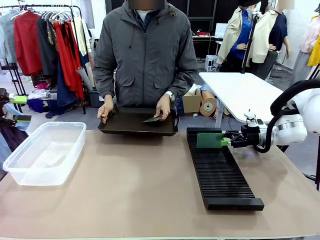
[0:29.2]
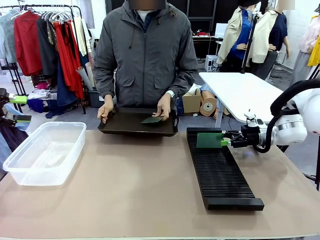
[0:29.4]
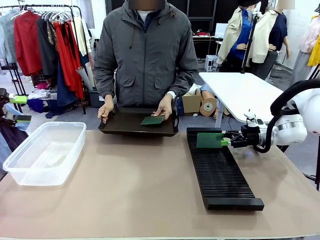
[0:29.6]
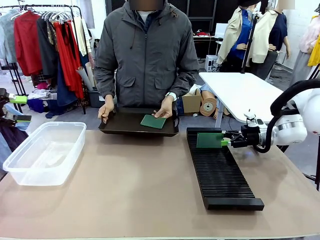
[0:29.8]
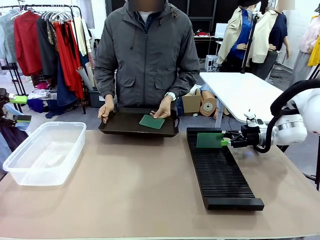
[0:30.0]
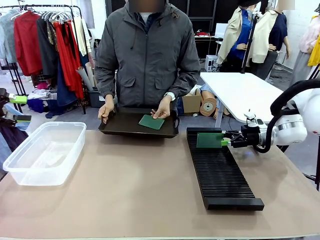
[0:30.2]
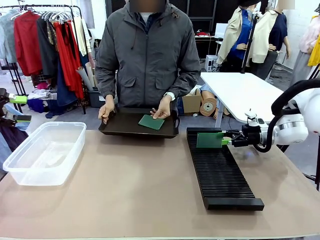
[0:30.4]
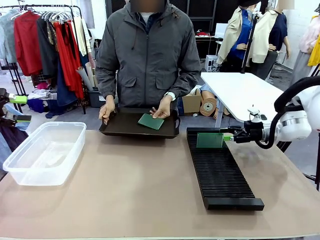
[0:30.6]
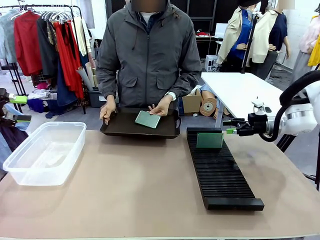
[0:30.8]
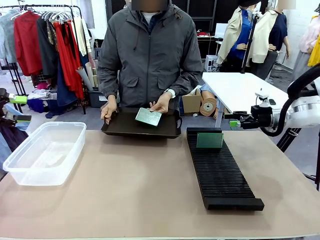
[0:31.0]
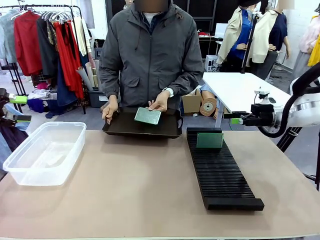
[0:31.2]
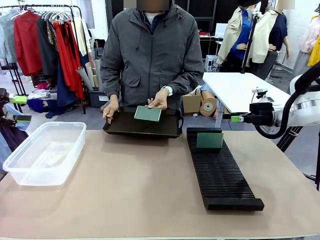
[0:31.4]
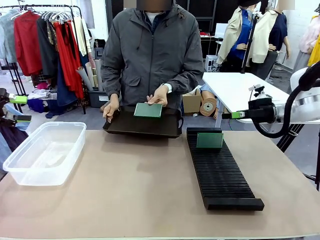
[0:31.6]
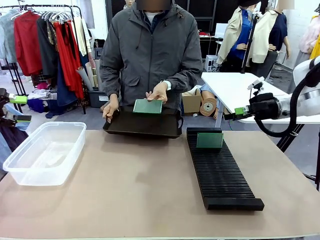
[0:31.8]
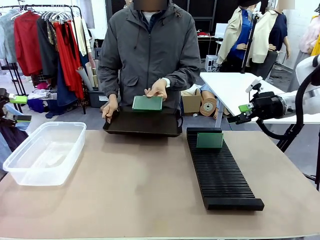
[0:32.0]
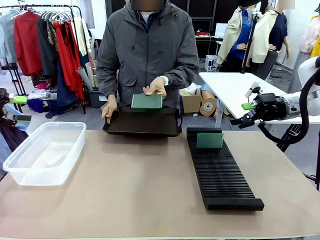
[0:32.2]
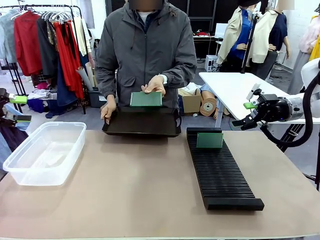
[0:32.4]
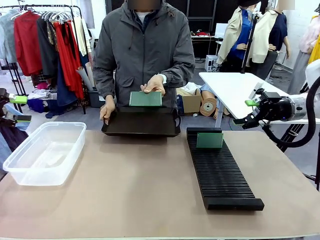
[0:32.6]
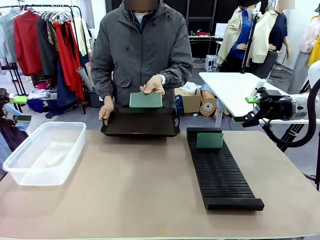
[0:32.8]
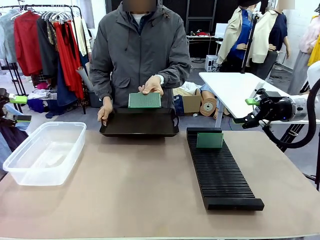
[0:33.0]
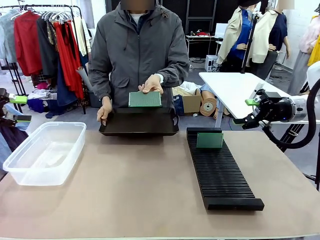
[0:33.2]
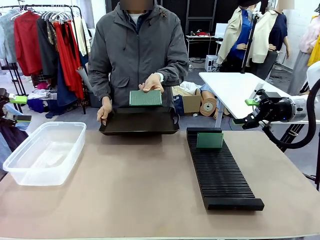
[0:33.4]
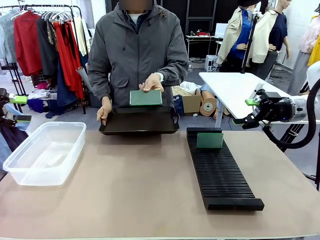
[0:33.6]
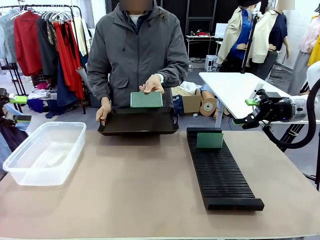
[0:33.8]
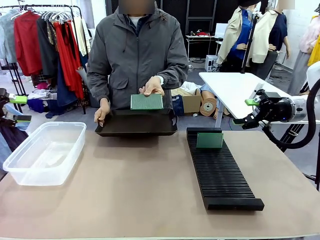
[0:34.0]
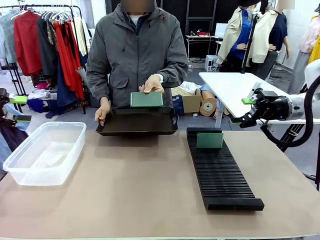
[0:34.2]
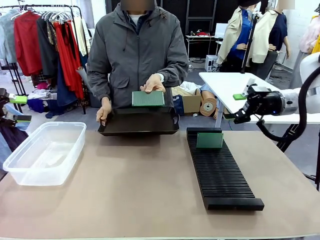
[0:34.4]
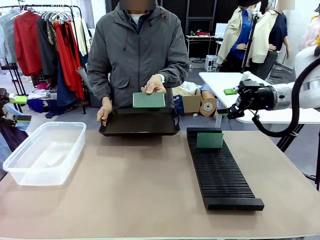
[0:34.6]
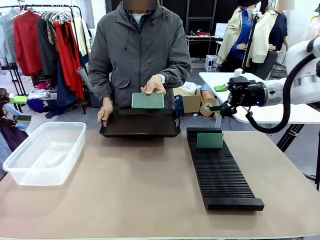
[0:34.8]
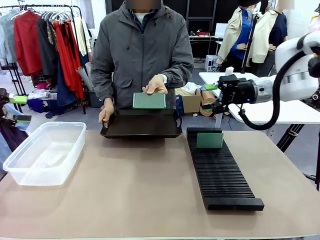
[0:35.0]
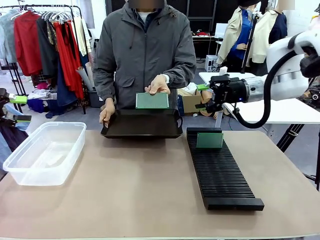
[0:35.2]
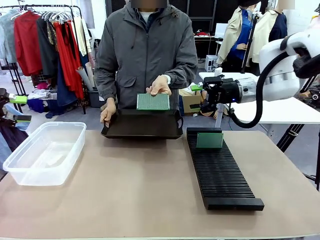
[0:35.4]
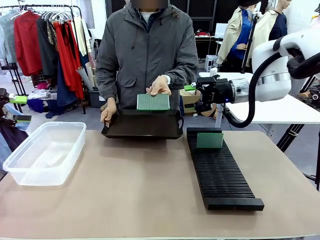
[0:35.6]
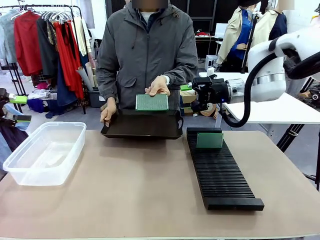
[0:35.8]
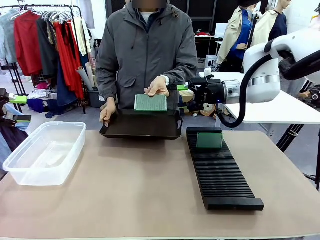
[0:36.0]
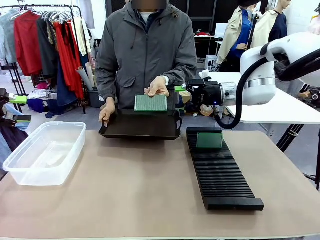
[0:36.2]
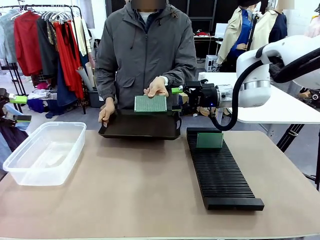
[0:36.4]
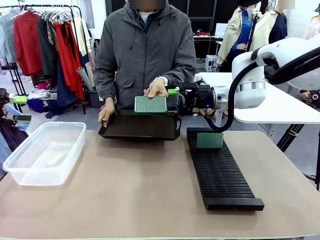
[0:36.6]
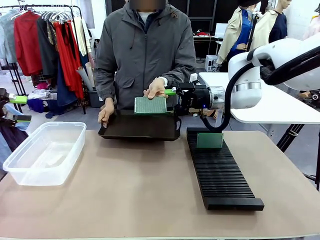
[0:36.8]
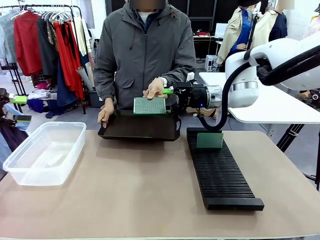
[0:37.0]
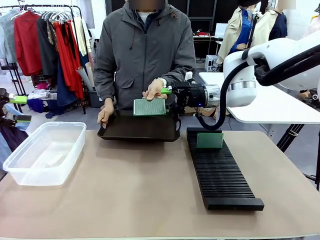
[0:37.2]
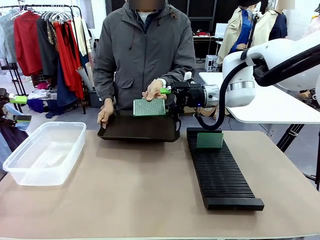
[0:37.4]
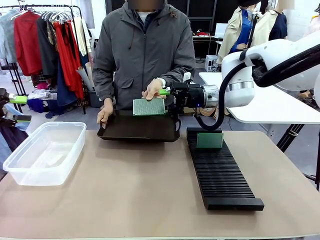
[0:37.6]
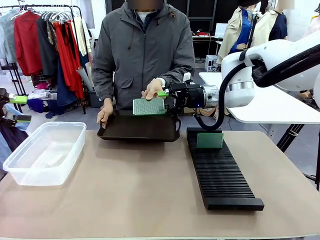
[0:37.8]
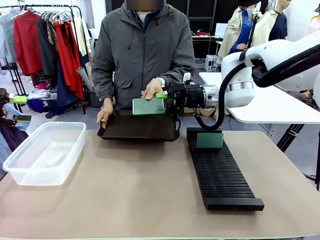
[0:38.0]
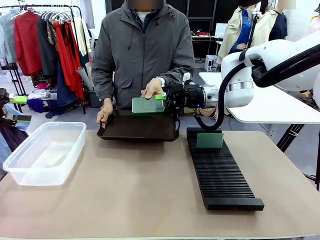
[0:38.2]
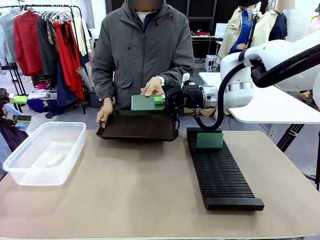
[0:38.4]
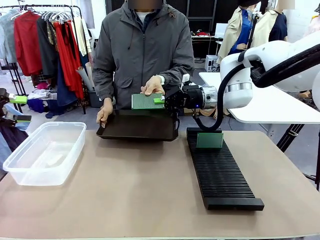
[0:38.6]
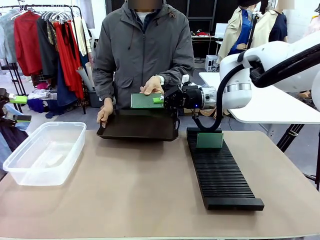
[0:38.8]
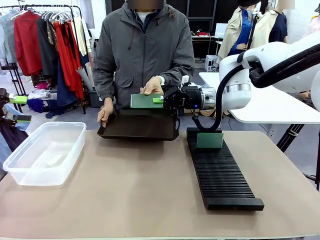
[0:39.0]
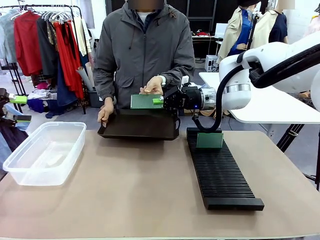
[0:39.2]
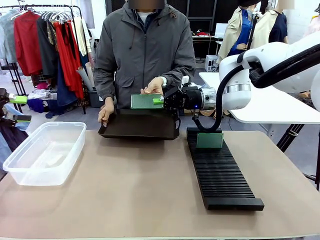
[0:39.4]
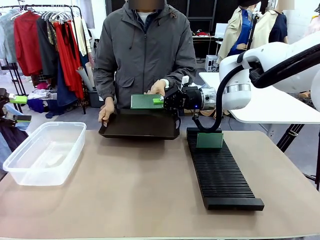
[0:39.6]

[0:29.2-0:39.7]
Task: Sort PCBs into racks and boxes based on the side picked up.
Robot: Pick up the Blank PCB handed by the Human.

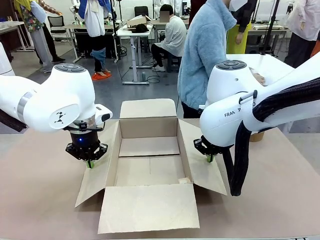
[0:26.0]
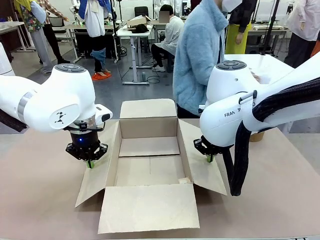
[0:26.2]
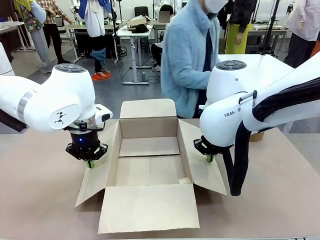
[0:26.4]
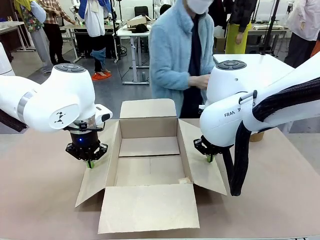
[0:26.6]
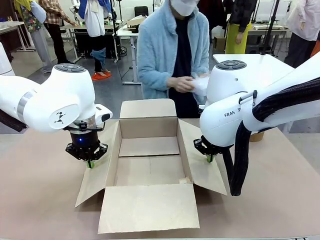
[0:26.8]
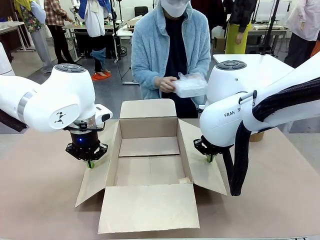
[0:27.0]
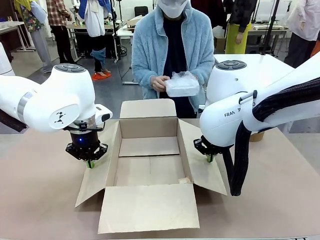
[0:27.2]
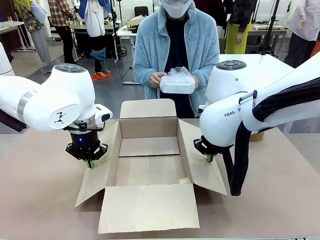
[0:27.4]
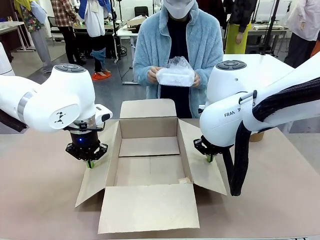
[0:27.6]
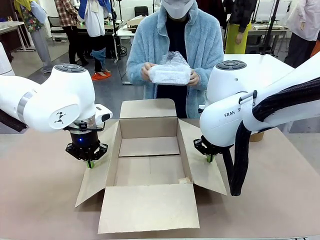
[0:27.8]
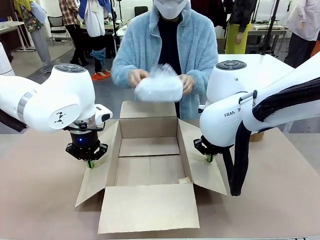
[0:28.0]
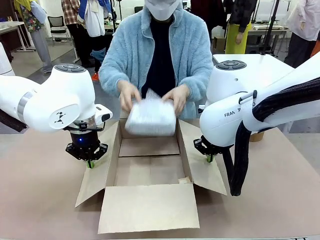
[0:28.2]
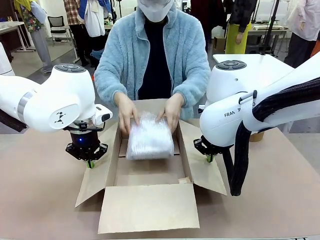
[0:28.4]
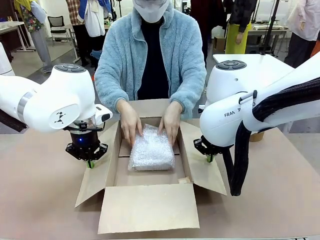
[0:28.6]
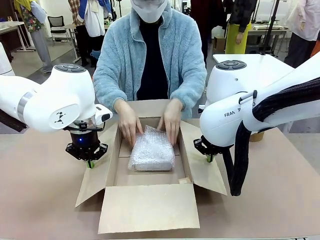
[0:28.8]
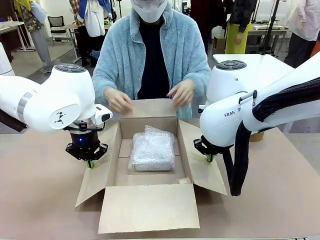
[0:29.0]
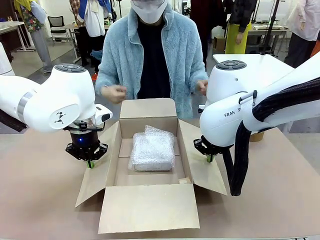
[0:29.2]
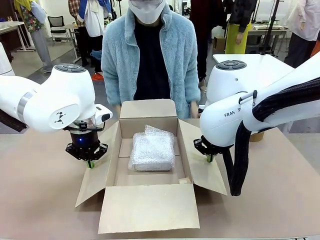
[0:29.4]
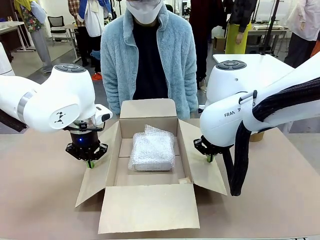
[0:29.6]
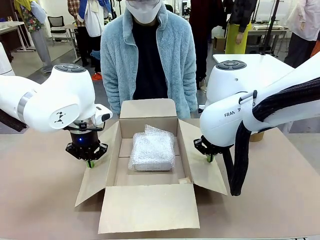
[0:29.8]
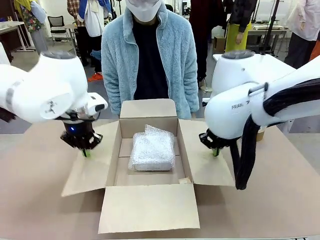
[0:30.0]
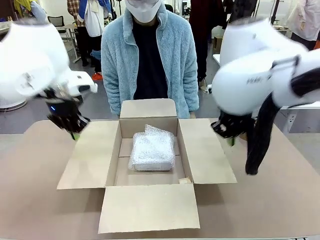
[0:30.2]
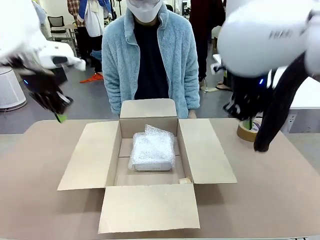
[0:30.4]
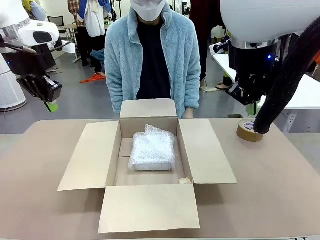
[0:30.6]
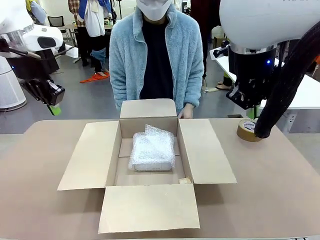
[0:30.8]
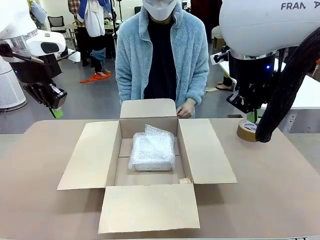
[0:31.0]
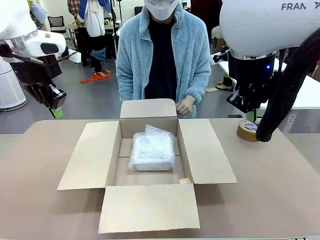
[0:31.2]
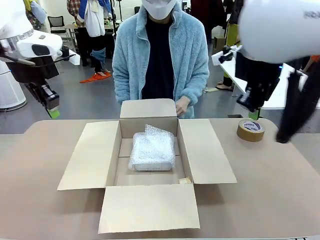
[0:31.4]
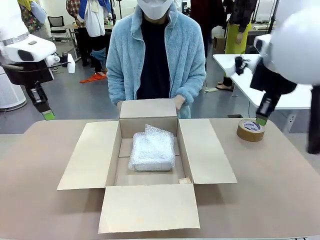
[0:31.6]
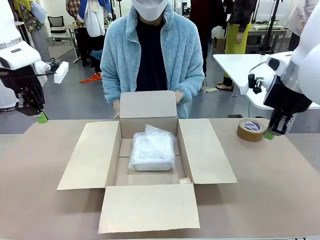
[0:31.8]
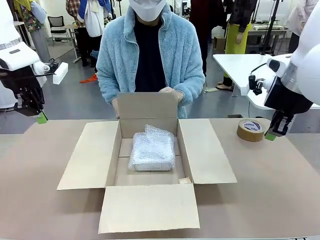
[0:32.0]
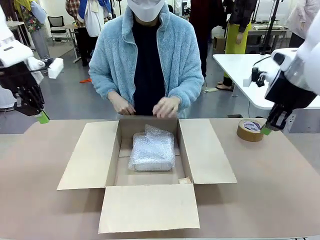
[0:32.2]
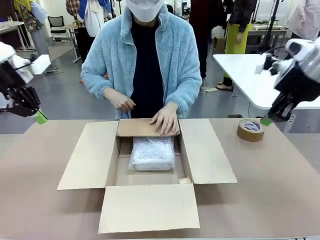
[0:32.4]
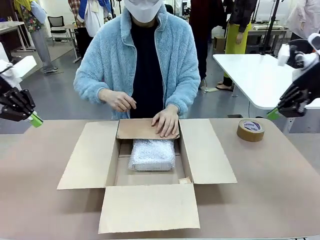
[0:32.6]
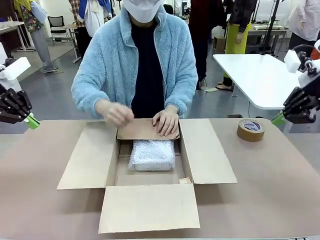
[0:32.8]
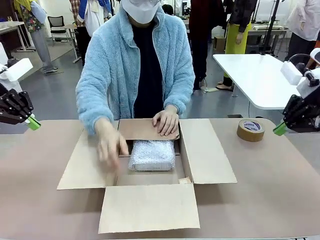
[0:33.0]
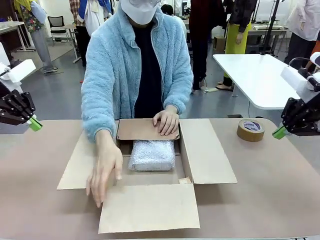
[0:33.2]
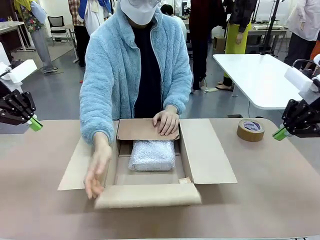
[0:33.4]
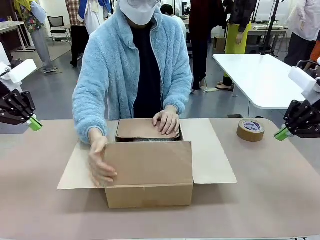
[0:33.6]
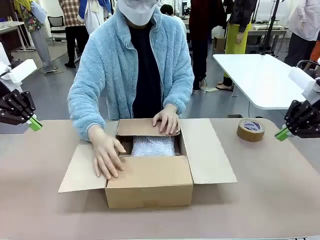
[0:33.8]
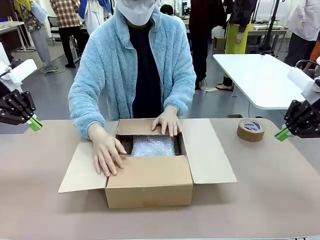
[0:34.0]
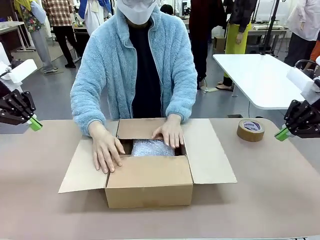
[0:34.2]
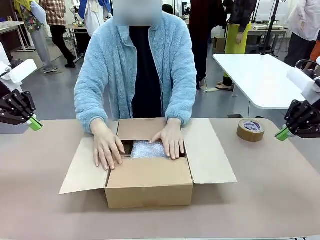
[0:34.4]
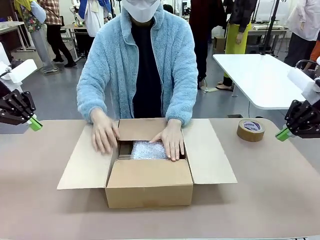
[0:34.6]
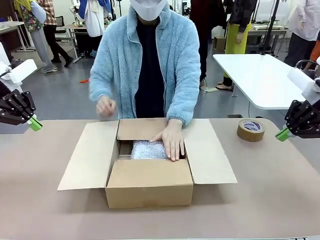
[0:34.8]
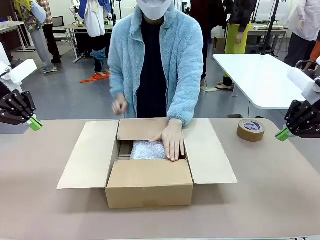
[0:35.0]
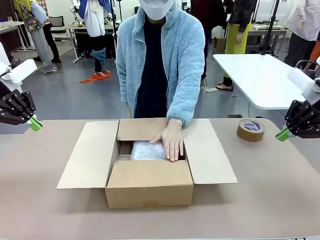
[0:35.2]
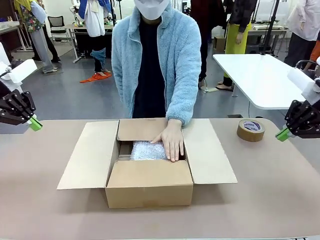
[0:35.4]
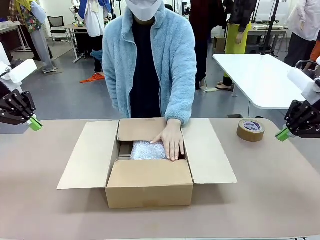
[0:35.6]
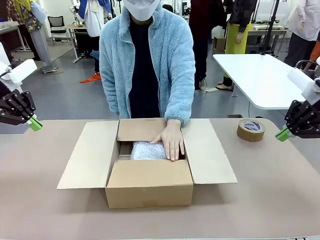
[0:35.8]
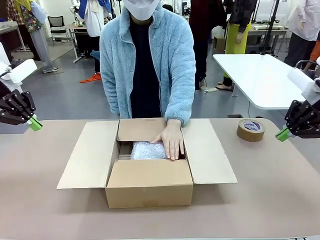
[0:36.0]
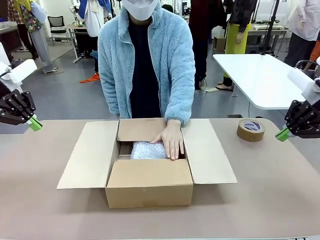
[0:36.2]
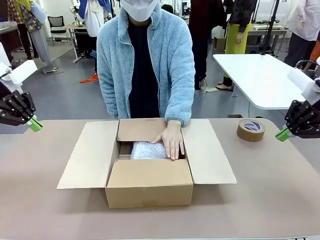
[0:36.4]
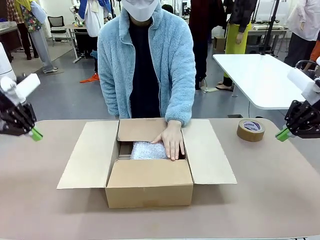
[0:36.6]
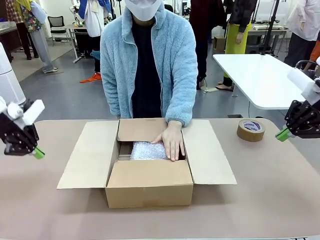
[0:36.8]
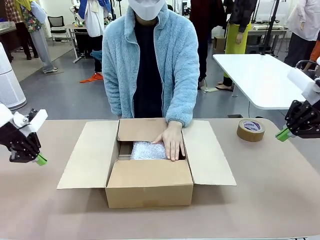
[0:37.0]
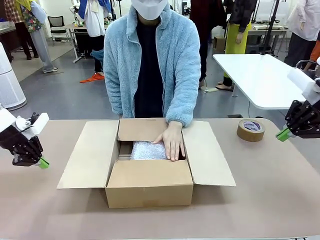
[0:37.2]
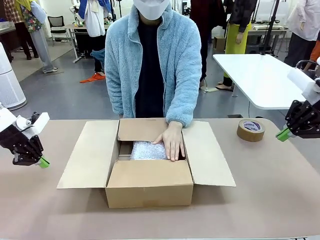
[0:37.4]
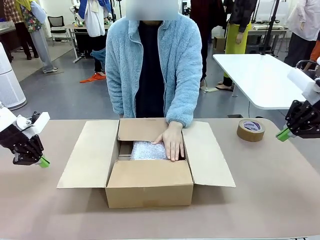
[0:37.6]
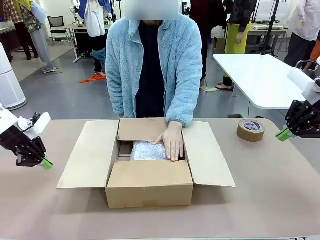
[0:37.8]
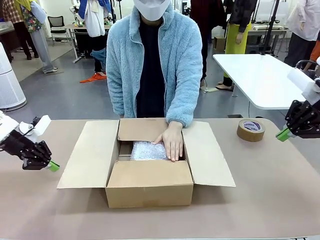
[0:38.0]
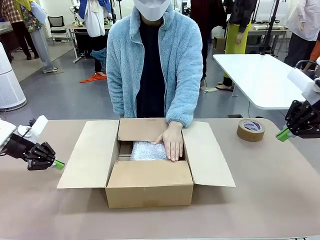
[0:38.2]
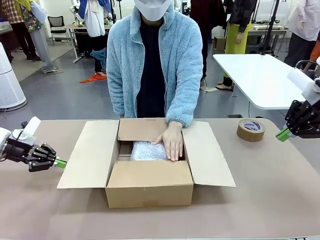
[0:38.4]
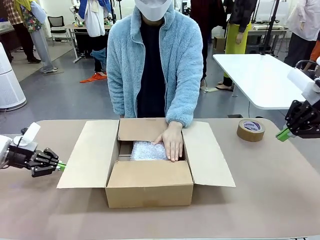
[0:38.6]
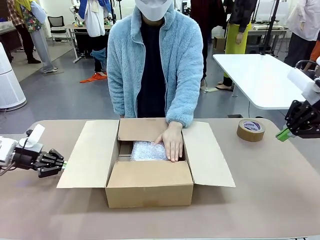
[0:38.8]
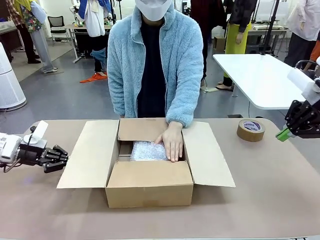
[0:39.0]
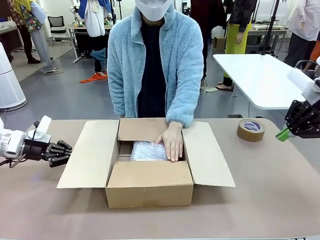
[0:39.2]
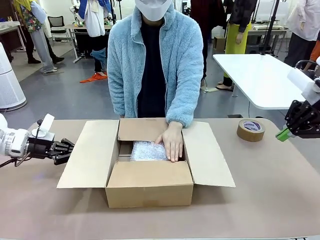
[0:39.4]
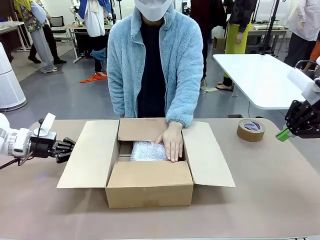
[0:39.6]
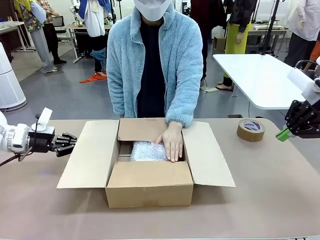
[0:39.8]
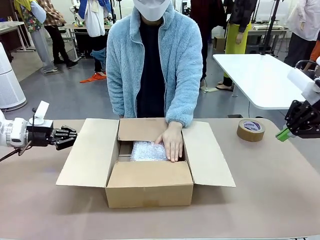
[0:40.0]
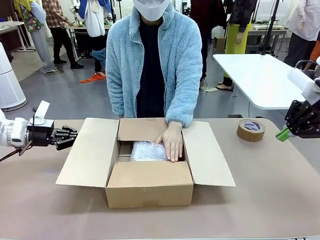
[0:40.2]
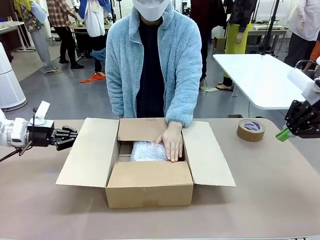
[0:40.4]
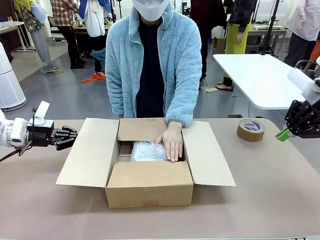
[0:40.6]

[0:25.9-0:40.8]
Task: Wrap the clocks to prevent damage.
Robot: Once the human has placed the objects inside and stepped back, release both hands from the side flaps of the Package Box.
Person: Place the wrapped Digital clocks inside the Package Box. Hold the top and bottom flaps of the Package Box closed with your left (or right) hand. Once the robot closes the right flap of the Package Box , release your left hand from the box.
